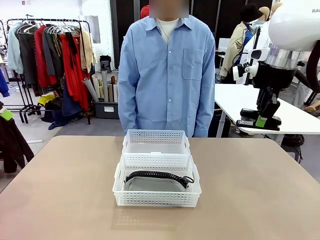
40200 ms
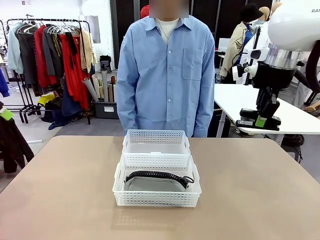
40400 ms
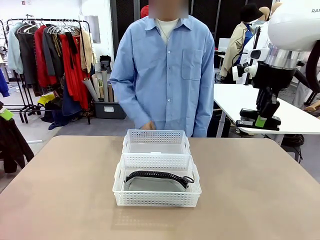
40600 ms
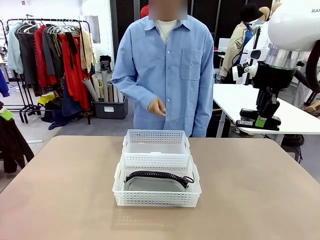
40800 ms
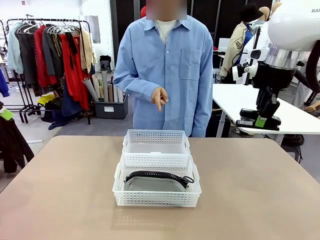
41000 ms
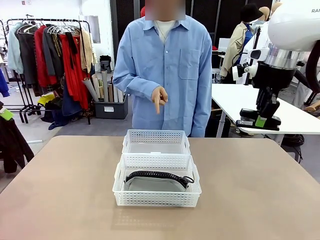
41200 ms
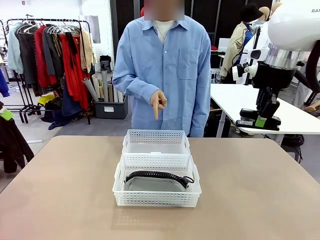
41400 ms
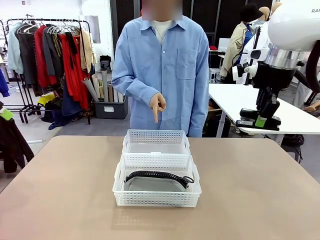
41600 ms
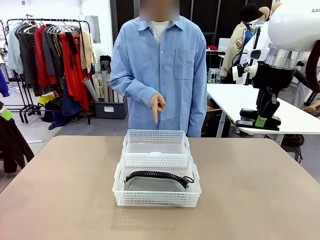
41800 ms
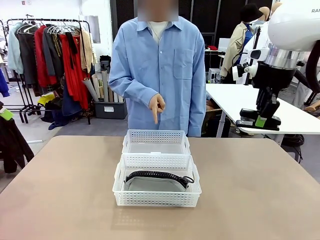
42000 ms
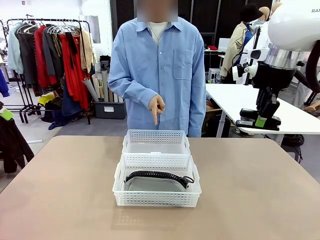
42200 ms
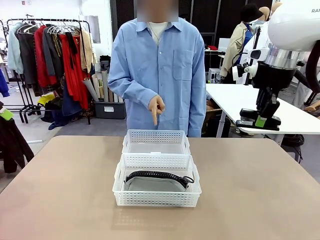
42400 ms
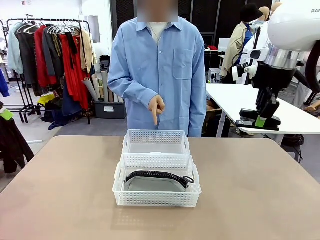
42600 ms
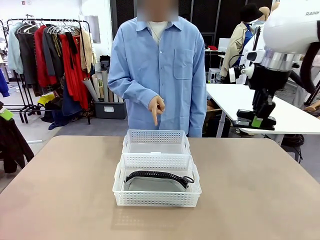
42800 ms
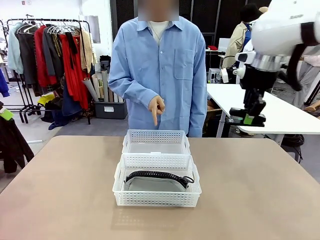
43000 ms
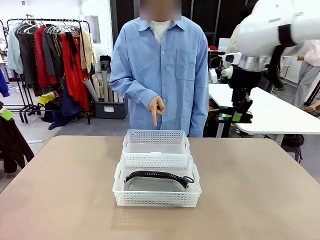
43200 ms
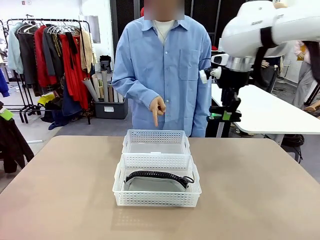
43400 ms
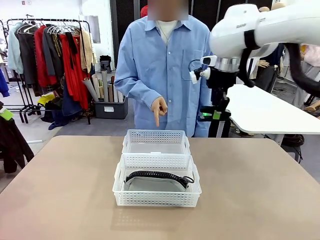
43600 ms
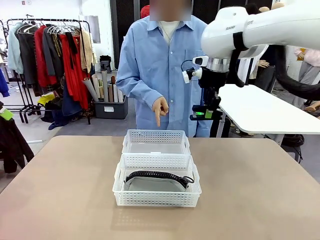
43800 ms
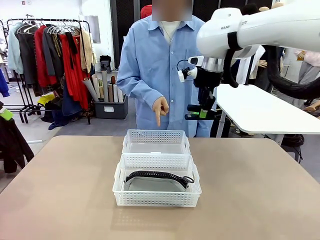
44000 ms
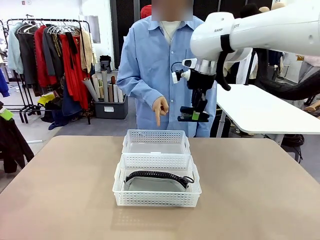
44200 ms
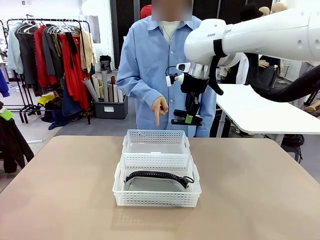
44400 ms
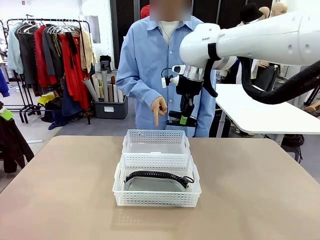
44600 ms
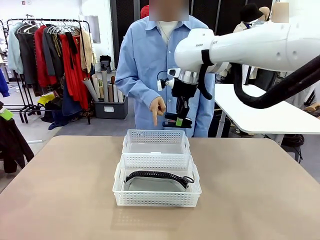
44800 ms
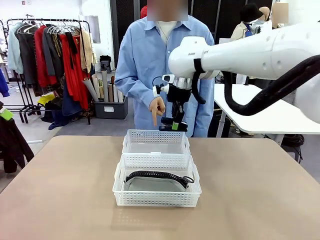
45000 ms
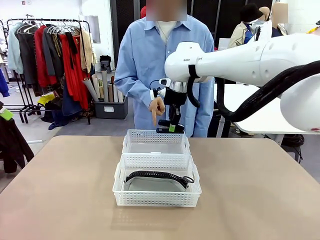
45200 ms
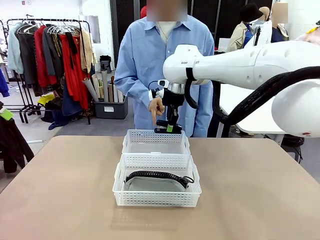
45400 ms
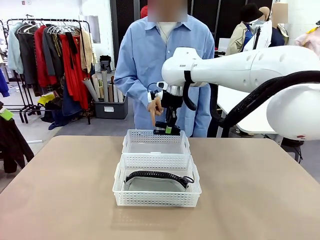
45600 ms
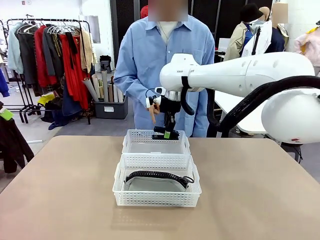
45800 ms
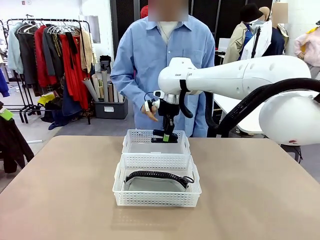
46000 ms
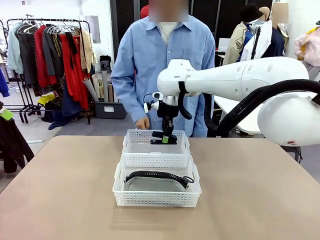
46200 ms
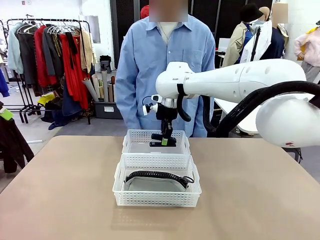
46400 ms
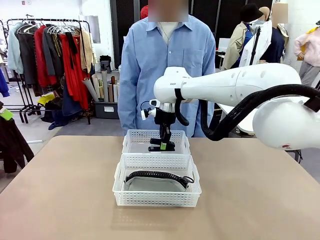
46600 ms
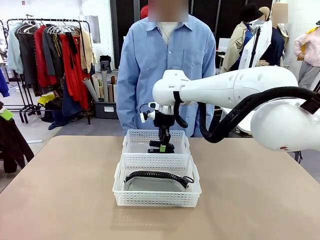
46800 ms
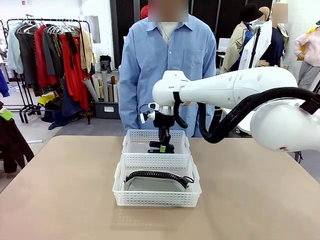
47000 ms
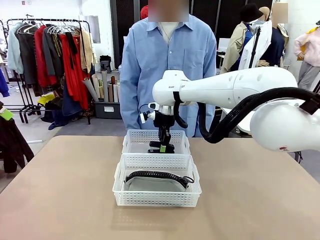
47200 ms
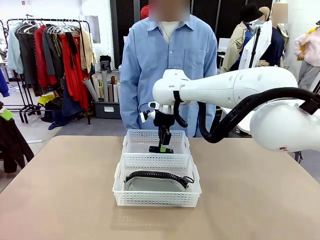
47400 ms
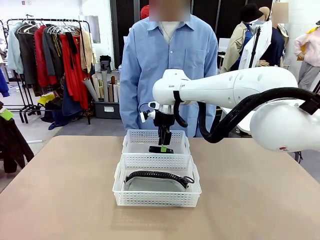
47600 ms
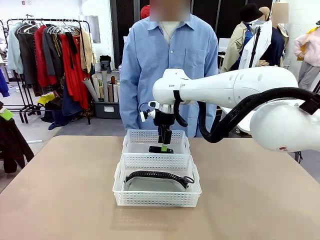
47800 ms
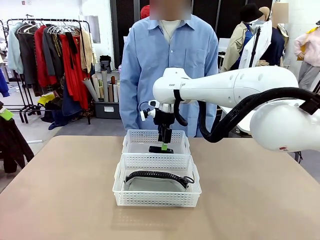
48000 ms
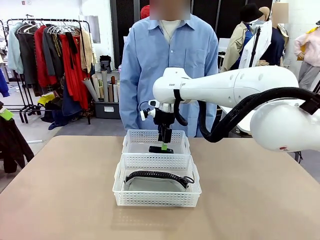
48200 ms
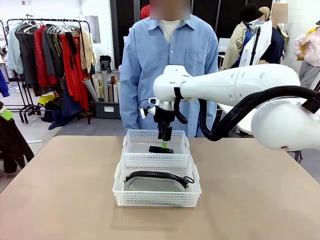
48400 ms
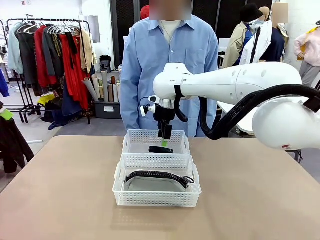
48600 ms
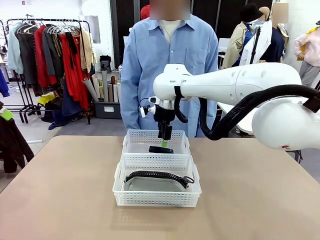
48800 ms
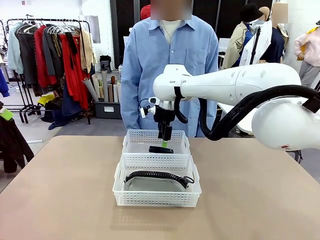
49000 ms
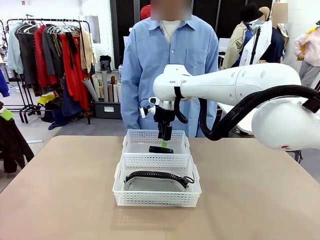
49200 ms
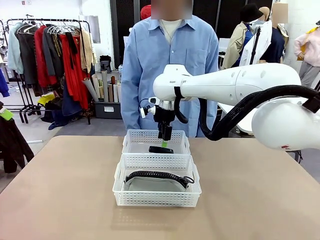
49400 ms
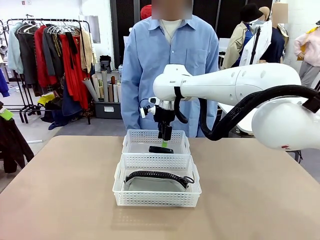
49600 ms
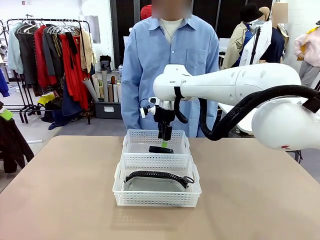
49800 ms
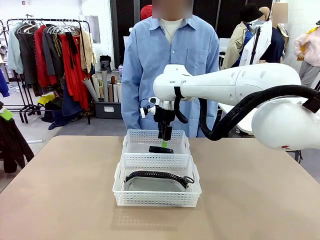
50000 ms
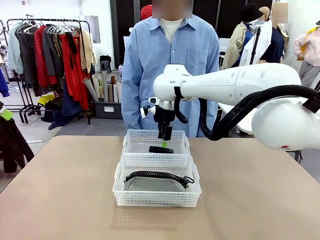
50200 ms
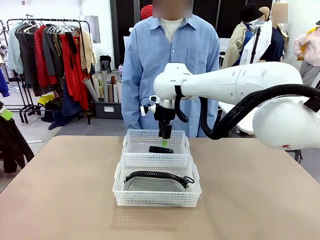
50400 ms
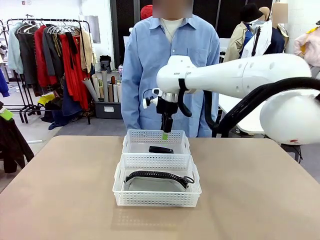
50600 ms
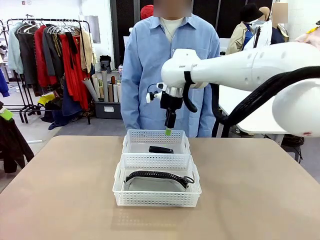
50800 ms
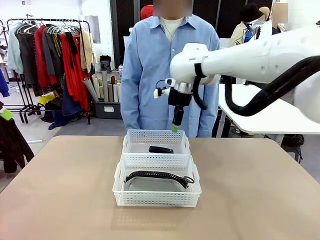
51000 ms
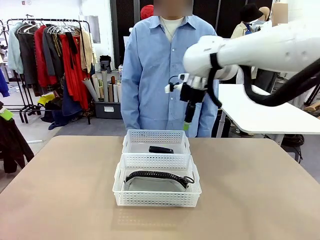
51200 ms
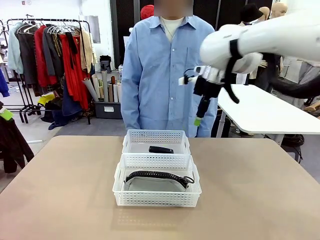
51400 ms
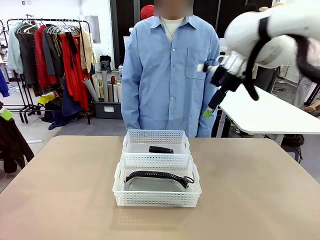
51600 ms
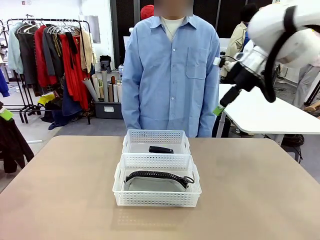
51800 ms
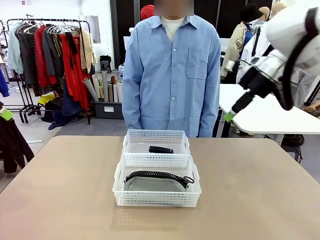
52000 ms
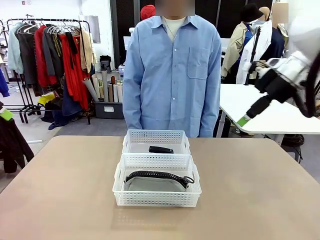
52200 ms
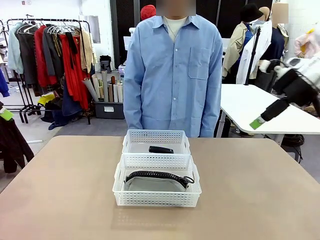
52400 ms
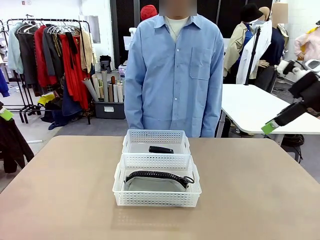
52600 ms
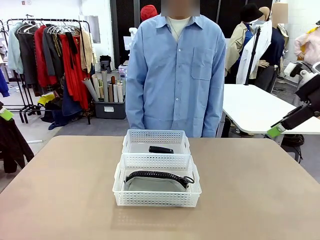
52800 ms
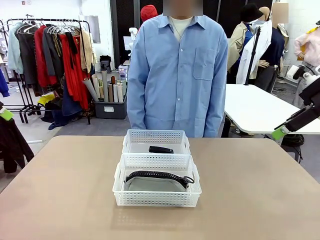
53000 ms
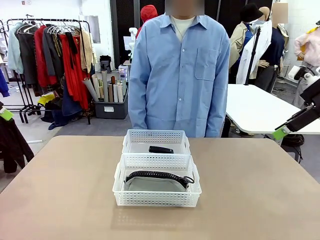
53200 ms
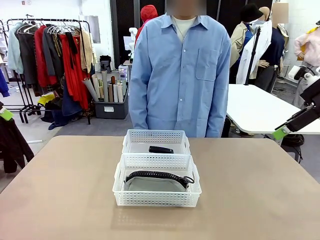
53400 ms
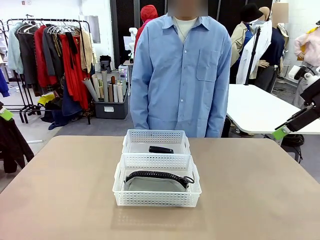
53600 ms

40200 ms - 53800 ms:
Task: Distribute items into two baskets.
Robot: Place the picked Stapler into the Organizing basket as instructed by the person.
Person: Points to the basket that does not contain the pencil case and instructs the robot to move the stapler there.
